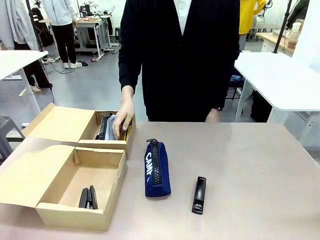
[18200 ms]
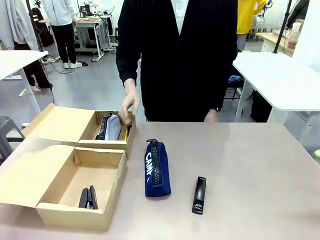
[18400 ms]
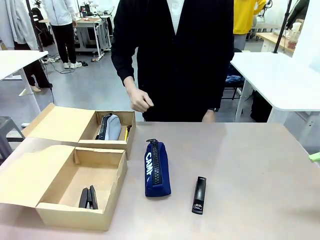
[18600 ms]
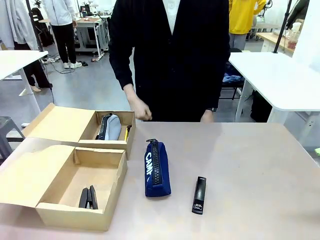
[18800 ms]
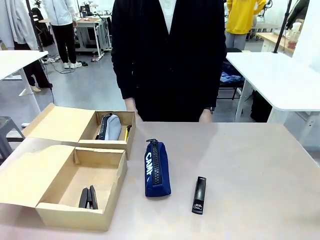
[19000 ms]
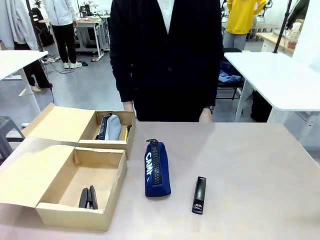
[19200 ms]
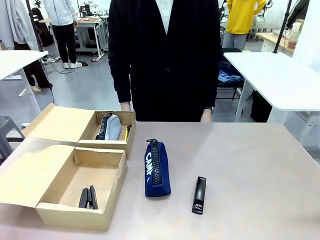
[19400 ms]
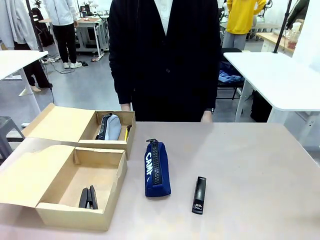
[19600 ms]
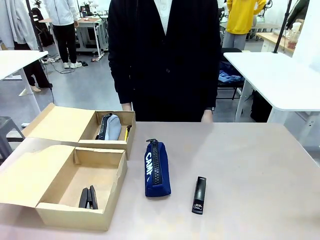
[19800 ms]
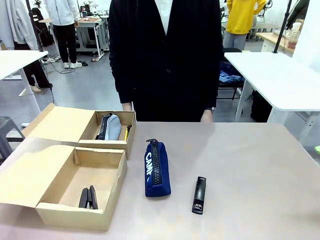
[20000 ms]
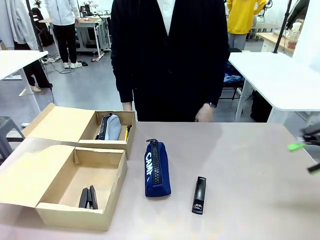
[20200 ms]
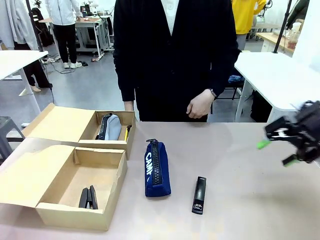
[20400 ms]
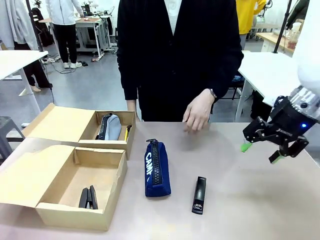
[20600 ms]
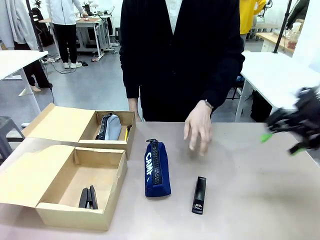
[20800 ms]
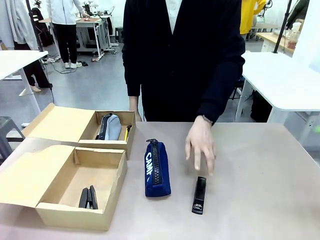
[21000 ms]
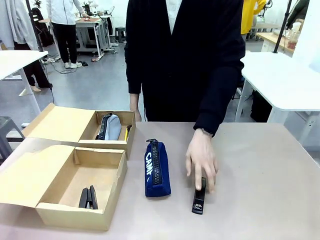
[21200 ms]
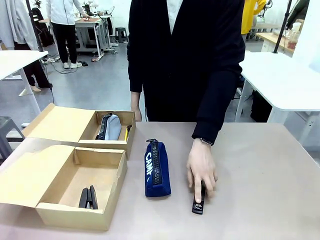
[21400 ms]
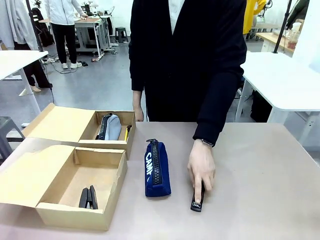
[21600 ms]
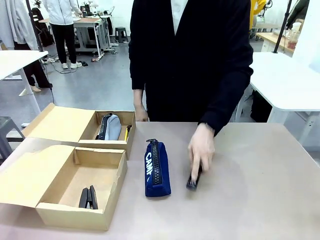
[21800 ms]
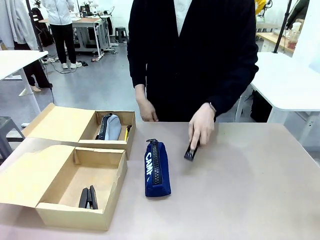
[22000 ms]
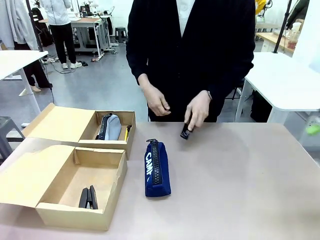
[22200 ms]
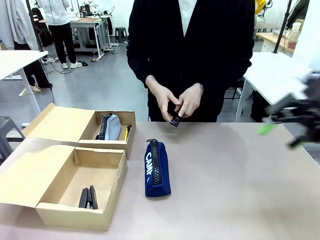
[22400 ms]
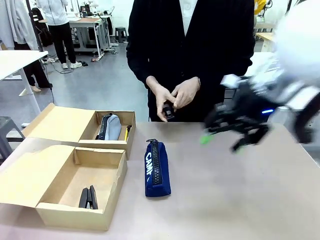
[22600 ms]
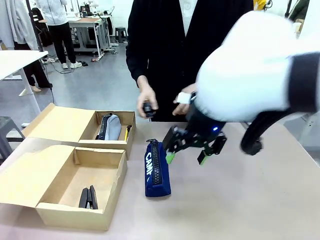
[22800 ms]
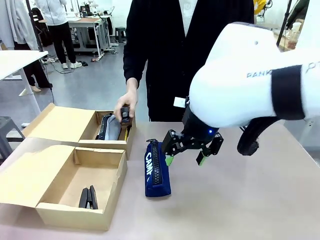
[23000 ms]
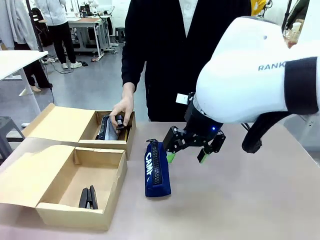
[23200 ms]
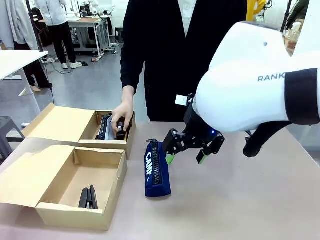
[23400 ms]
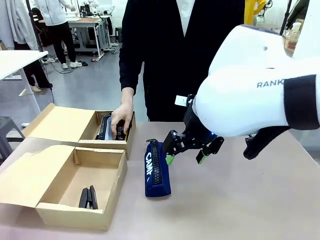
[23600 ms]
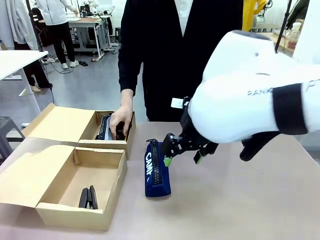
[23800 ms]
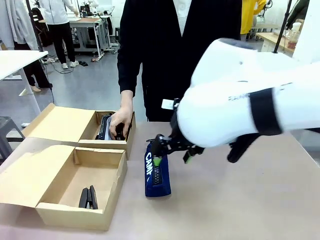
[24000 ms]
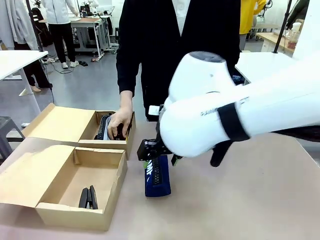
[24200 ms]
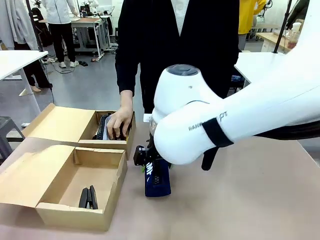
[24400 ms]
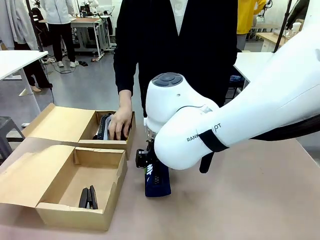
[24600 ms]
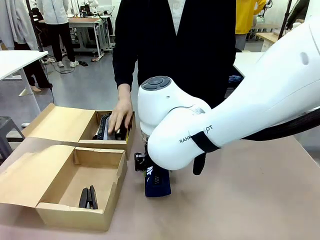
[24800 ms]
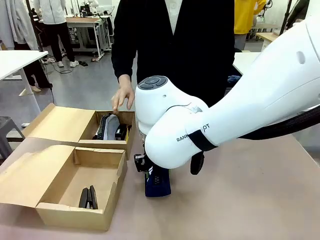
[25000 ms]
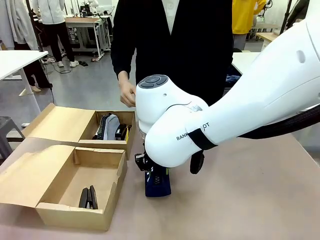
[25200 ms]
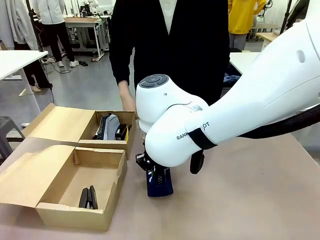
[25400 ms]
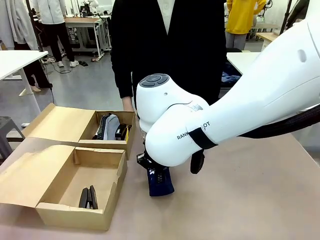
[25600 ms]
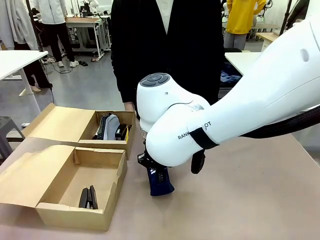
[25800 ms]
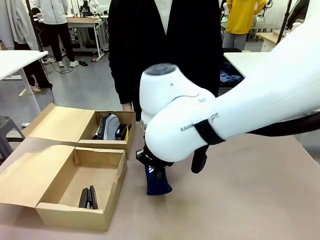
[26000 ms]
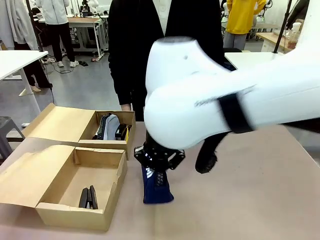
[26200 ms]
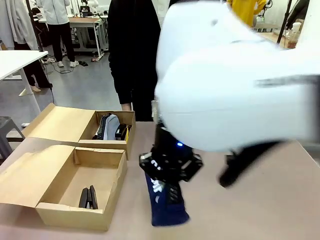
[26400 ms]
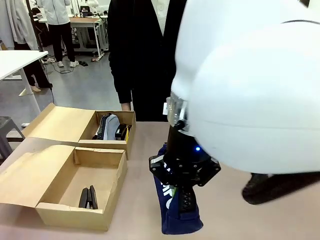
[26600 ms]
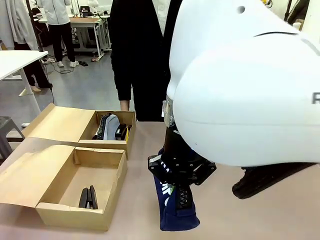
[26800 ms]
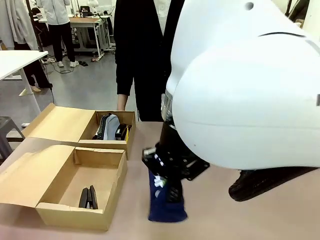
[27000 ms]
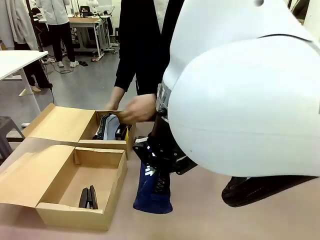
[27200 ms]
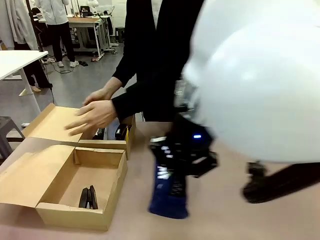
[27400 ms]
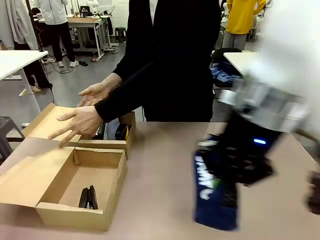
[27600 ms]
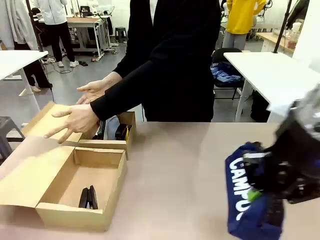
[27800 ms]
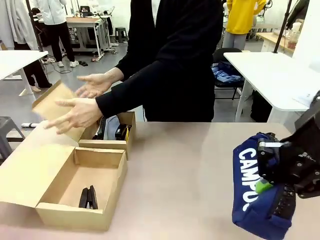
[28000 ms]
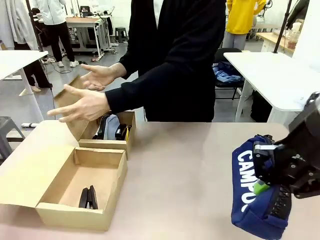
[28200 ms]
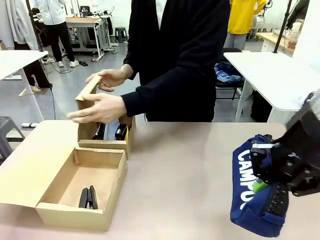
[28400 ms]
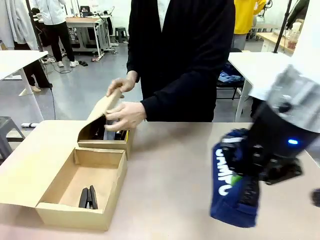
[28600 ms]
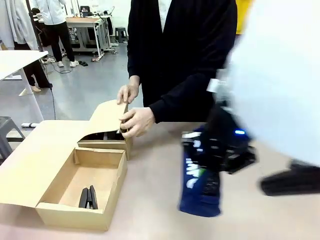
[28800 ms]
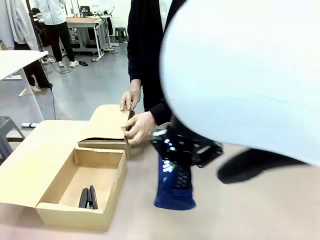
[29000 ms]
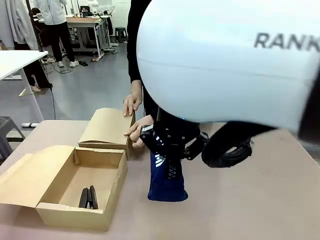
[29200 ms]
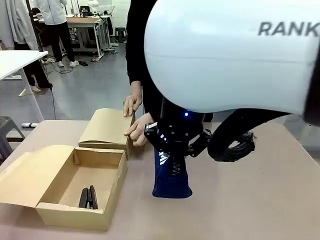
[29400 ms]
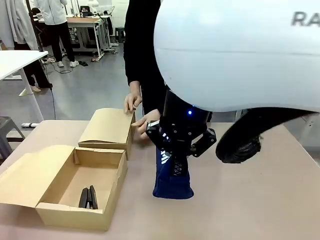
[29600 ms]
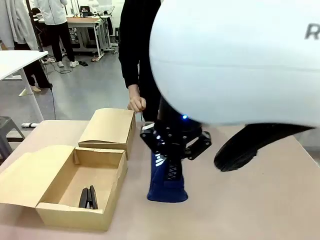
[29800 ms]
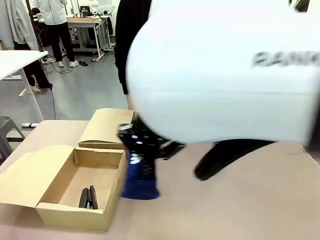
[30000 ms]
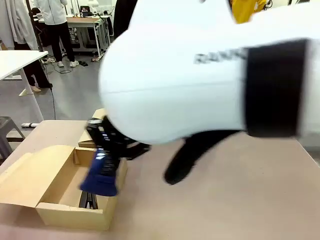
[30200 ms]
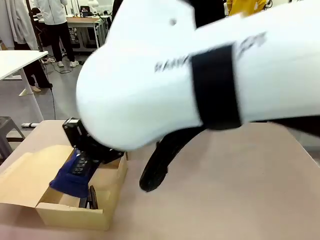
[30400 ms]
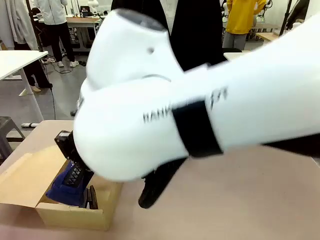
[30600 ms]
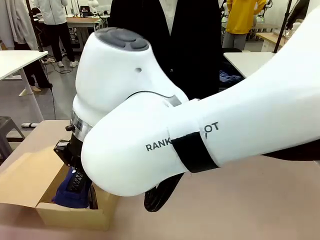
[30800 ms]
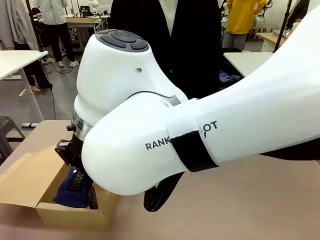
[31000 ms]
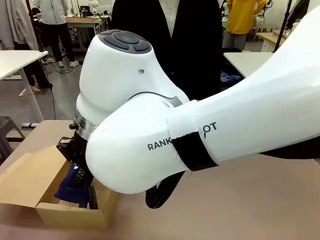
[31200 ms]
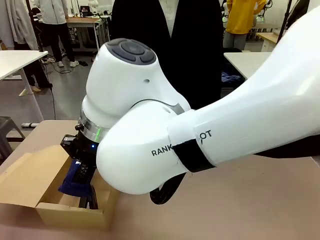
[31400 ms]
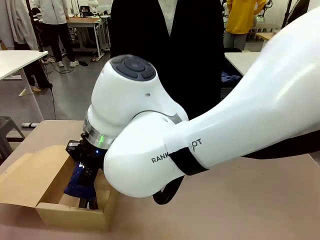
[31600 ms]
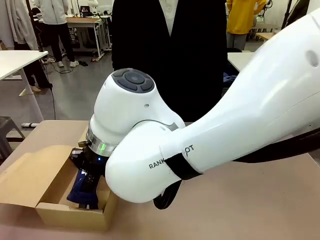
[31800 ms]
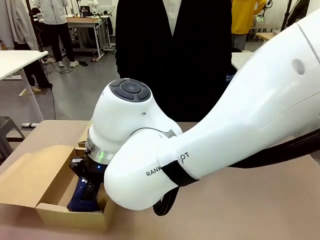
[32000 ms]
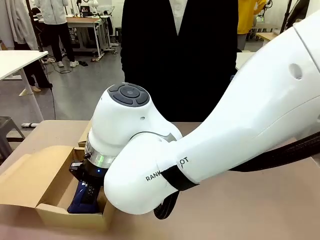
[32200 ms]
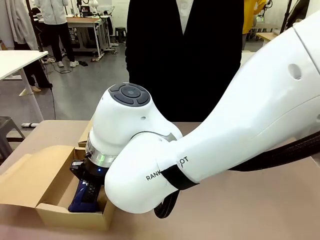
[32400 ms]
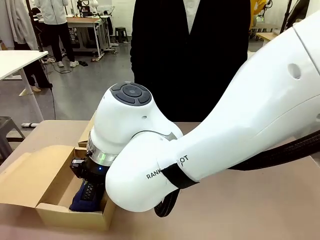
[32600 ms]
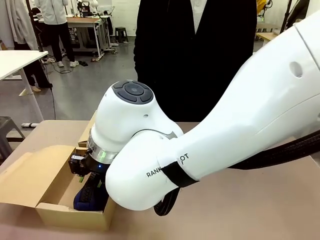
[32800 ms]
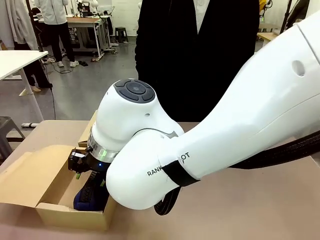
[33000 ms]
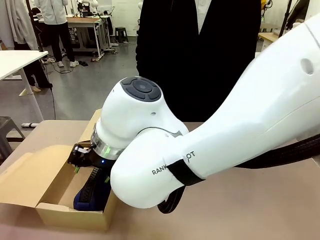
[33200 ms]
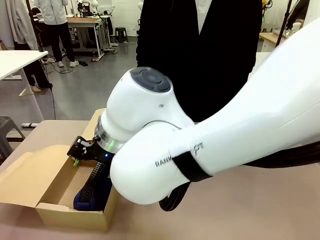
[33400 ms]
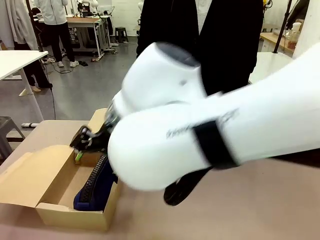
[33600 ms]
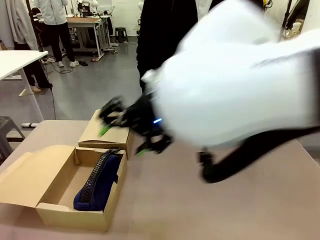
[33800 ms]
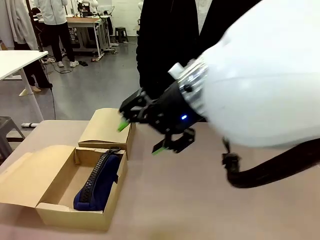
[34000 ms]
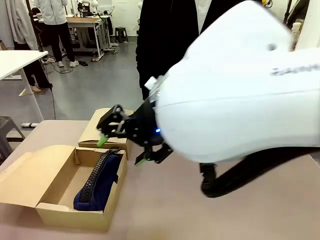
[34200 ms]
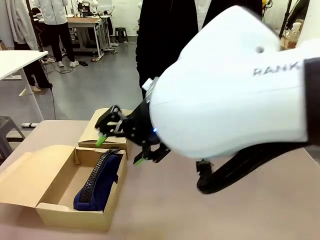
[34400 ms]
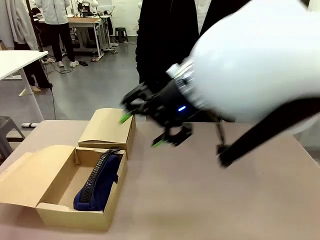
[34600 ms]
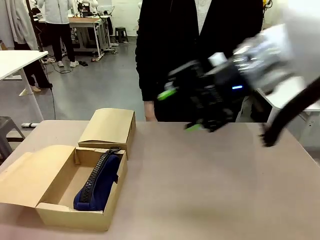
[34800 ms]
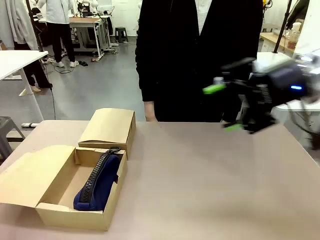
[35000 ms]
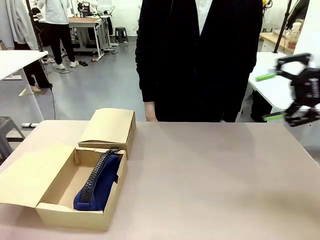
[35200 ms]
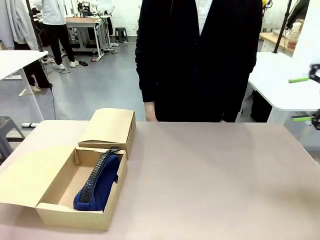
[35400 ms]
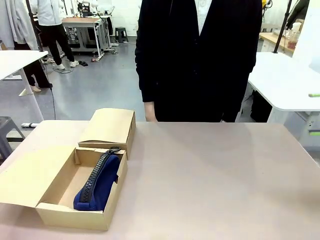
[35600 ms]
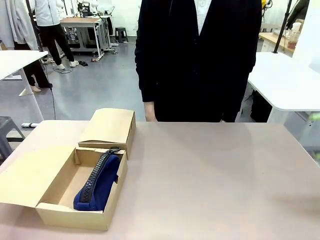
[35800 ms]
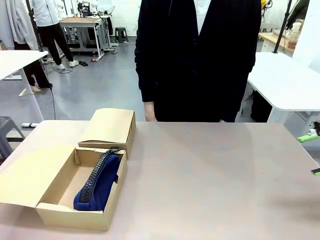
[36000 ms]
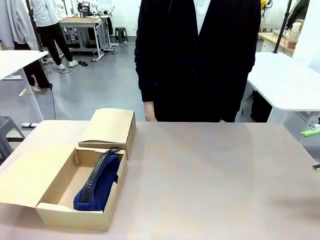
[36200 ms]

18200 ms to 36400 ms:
Task: Place items inside the box.
Robot: Pick up a Pencil pouch or Stapler and place it inside the Mailer Box closest to the robot.
Person: Close the lid of the box facing the person.
